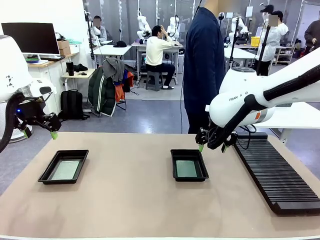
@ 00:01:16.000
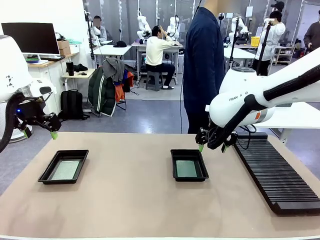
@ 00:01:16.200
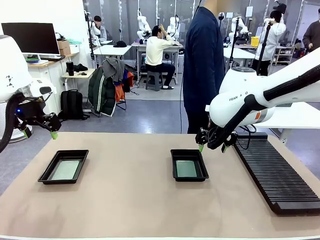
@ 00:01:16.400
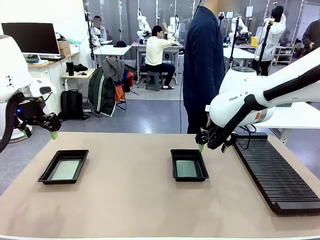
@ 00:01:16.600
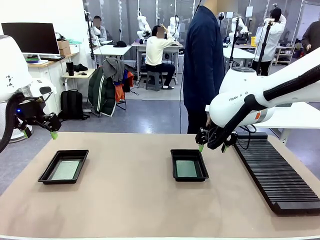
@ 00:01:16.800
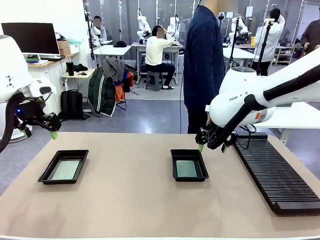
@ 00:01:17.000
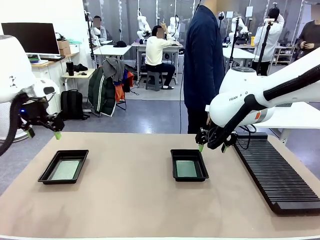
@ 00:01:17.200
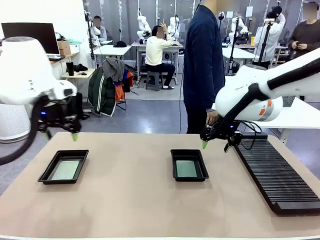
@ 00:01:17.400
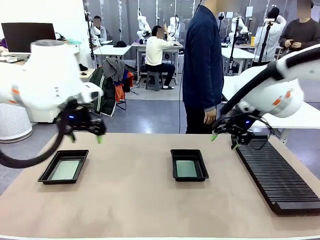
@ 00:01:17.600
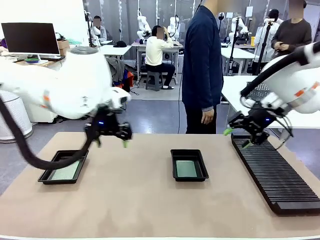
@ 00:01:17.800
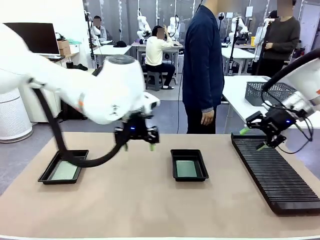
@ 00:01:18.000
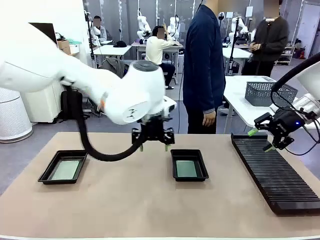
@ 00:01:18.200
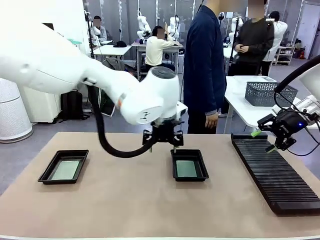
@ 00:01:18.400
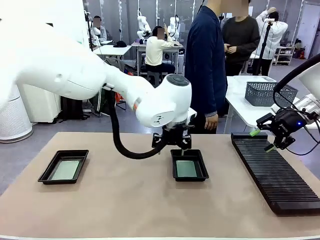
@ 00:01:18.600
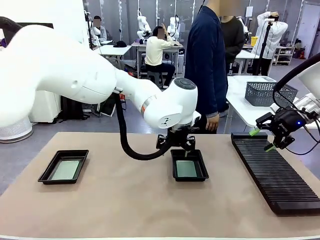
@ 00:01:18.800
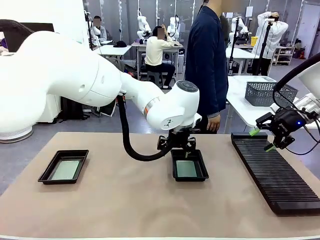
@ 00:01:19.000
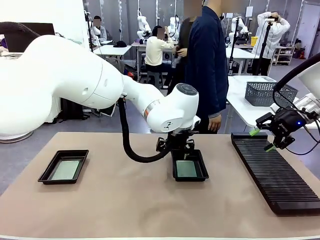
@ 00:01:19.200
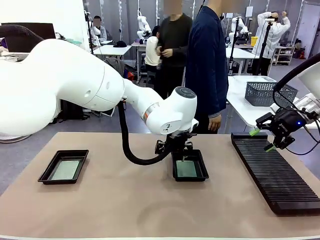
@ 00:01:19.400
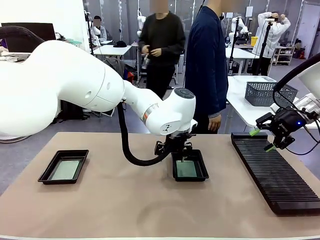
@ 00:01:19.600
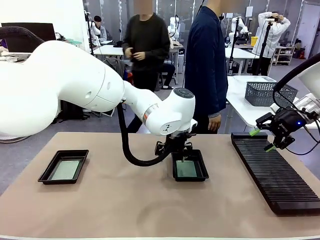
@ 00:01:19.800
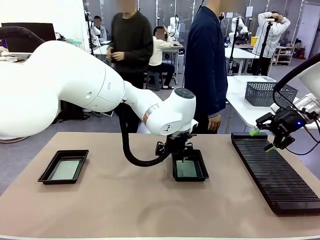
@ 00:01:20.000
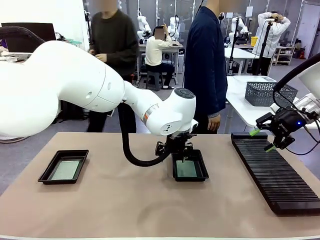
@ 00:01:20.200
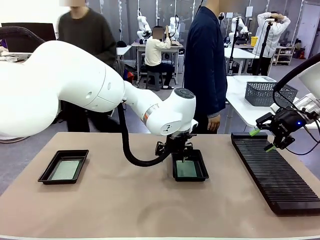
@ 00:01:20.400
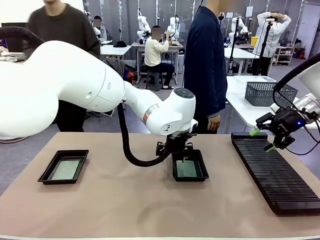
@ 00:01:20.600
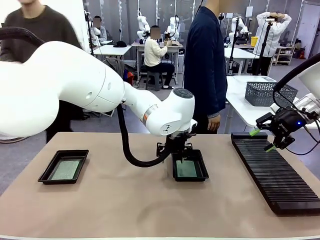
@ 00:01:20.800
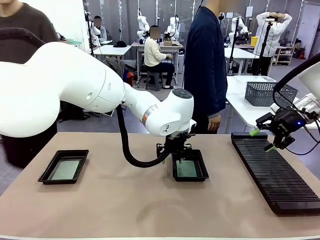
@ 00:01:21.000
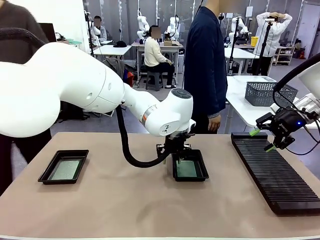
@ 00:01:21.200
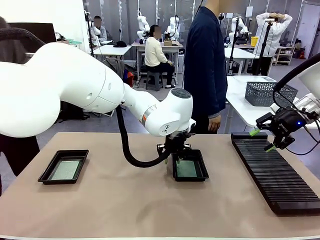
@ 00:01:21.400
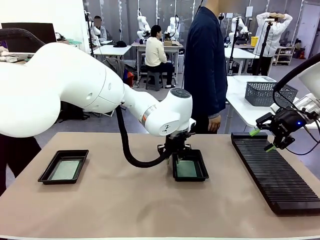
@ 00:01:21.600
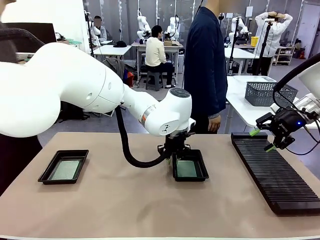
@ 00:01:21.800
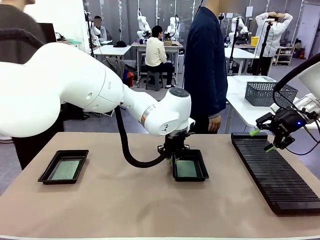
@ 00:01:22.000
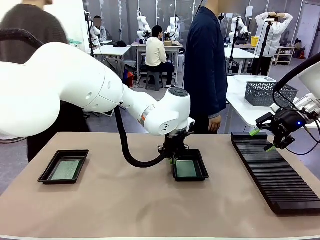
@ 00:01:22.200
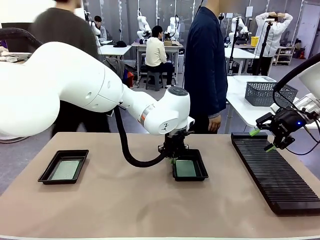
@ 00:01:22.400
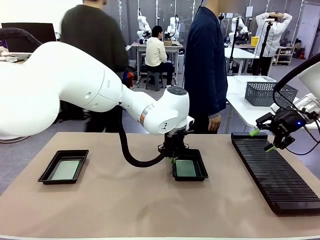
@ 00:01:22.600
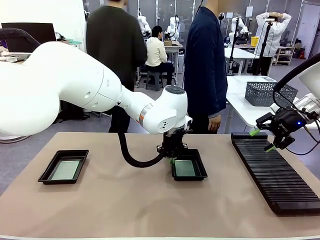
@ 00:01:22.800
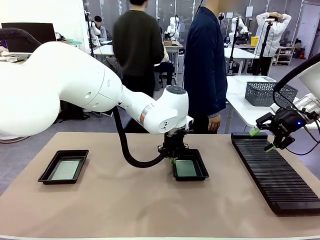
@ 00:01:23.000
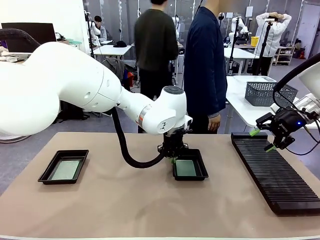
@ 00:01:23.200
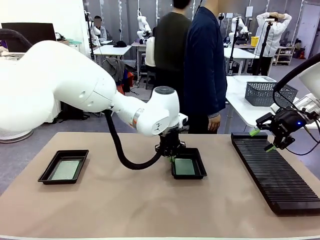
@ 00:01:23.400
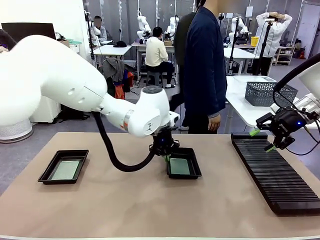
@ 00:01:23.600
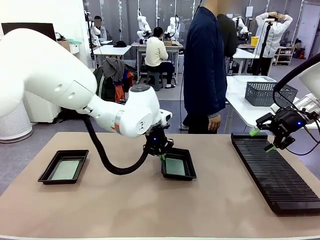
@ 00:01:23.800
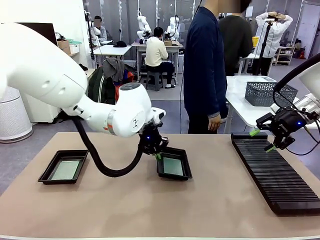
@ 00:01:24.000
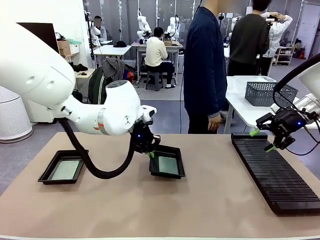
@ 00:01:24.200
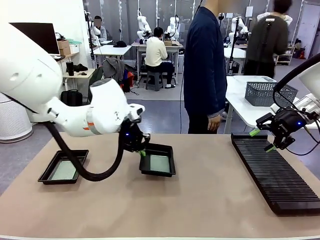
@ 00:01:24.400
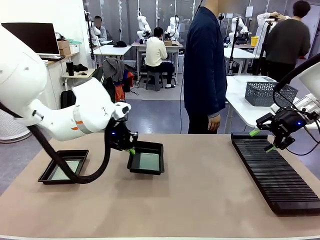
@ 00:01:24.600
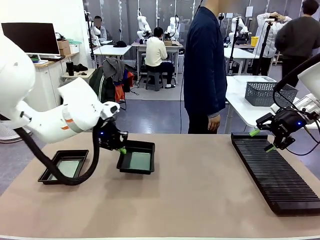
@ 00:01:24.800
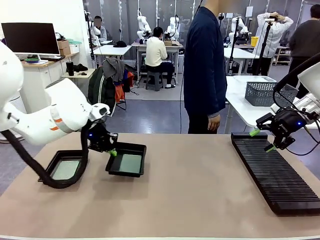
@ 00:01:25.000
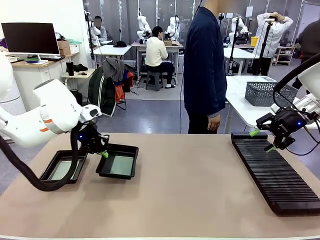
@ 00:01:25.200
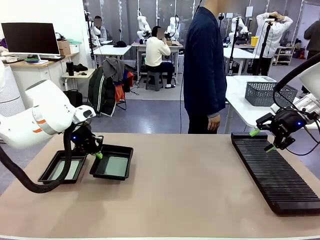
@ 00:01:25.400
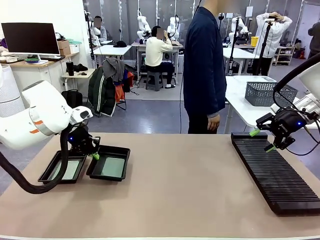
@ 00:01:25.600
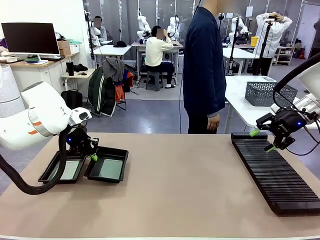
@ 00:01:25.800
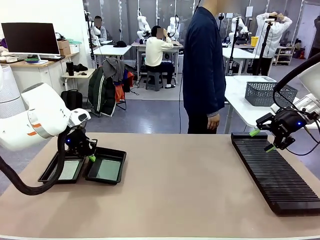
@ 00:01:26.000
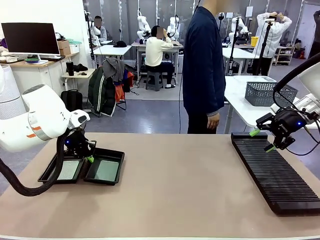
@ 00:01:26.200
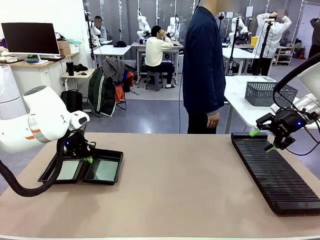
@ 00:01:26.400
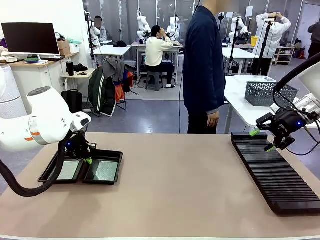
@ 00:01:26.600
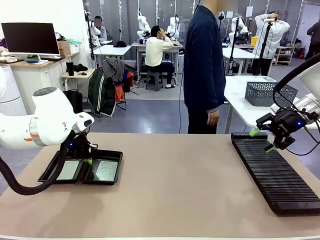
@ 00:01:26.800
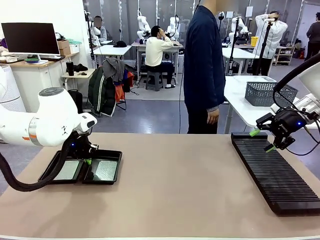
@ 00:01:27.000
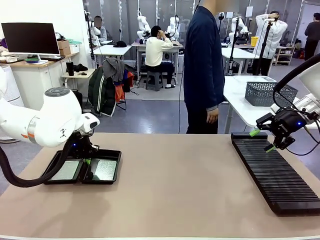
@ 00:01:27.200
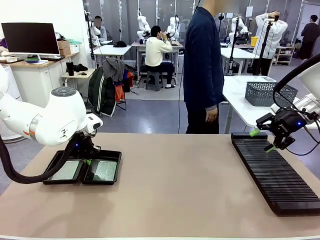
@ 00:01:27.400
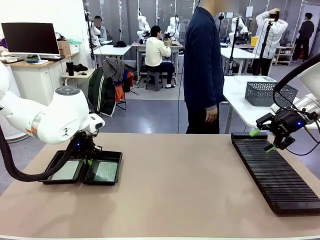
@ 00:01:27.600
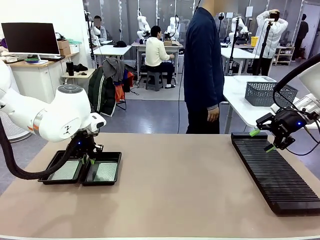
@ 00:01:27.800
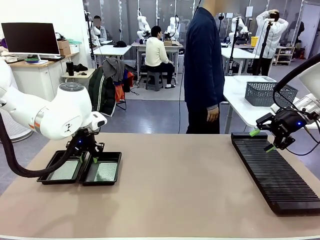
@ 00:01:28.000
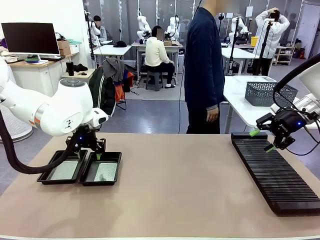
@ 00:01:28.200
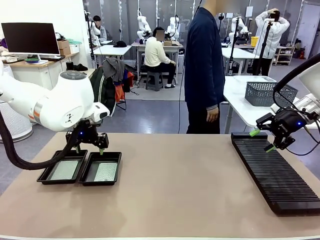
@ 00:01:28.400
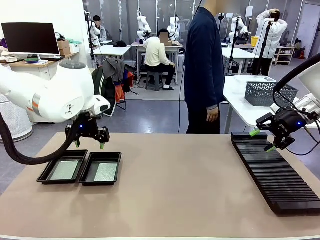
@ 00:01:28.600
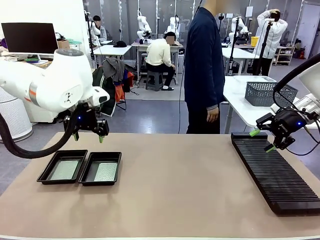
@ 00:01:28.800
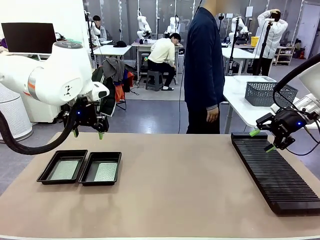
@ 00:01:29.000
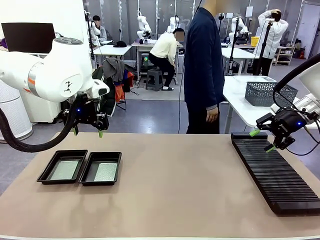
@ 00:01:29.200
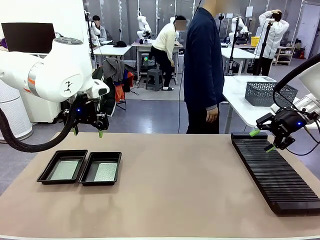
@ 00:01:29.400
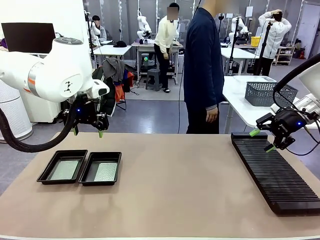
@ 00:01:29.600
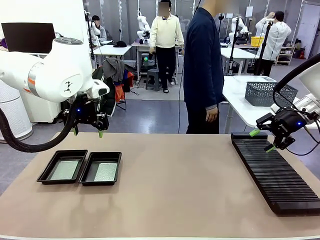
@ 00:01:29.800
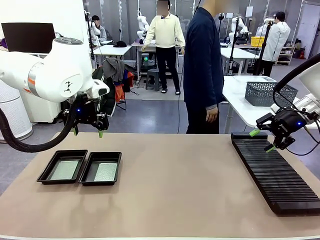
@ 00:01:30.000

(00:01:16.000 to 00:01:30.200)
Task: Inspect and transfer BCBs to ESD trays.
Robot: Pick up the ESD tray and place it on the left side of the table.
